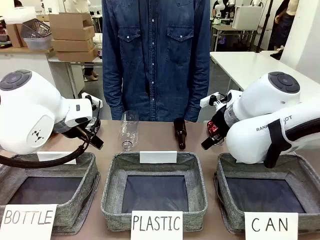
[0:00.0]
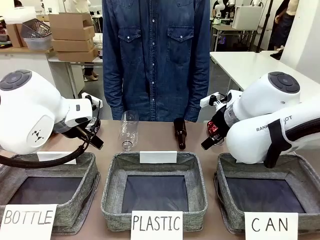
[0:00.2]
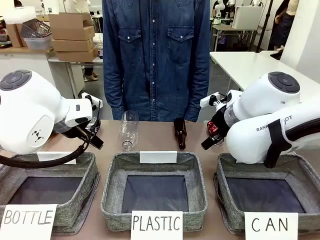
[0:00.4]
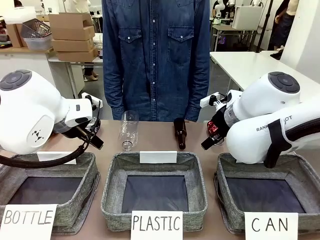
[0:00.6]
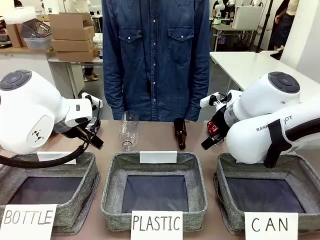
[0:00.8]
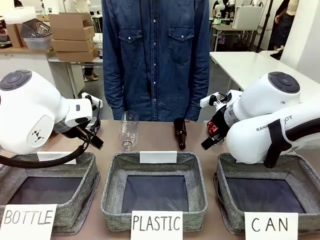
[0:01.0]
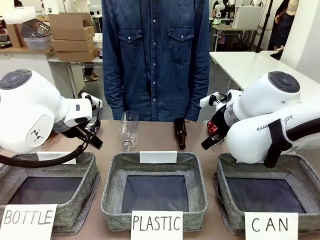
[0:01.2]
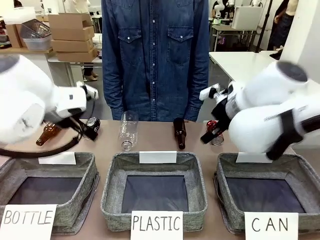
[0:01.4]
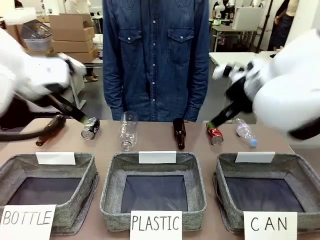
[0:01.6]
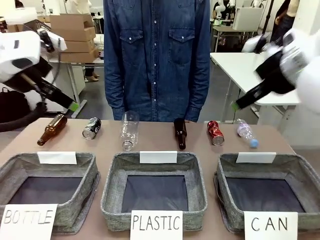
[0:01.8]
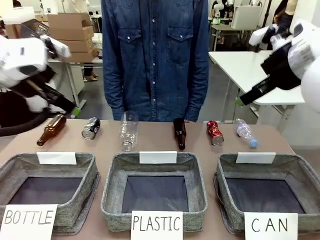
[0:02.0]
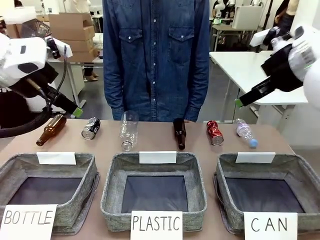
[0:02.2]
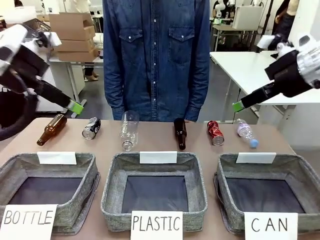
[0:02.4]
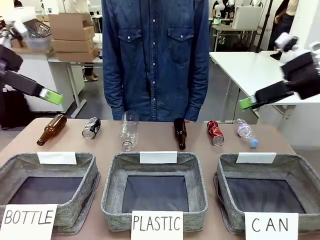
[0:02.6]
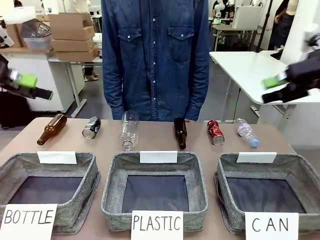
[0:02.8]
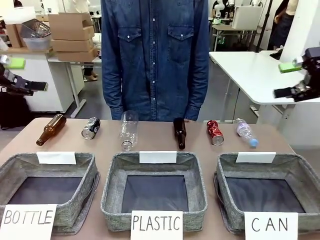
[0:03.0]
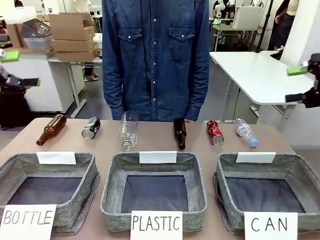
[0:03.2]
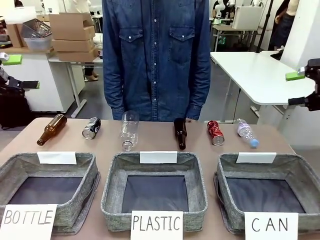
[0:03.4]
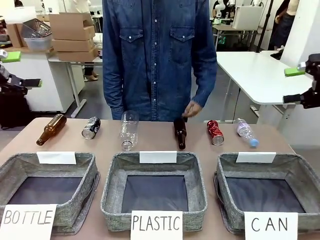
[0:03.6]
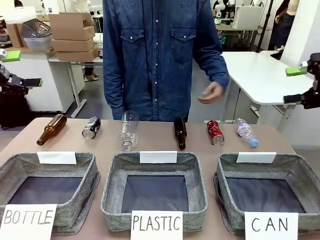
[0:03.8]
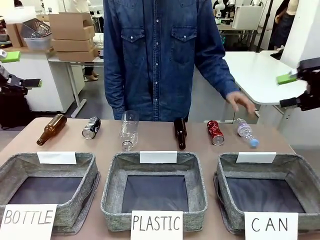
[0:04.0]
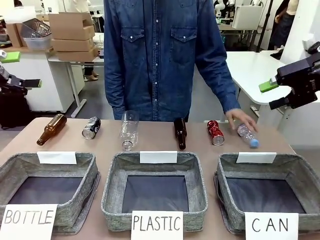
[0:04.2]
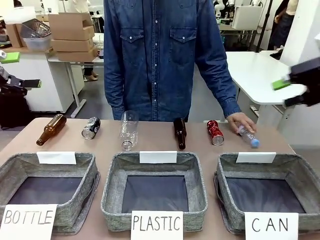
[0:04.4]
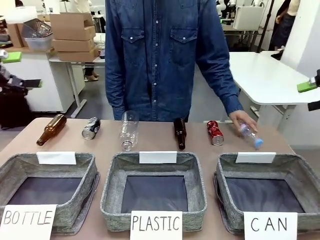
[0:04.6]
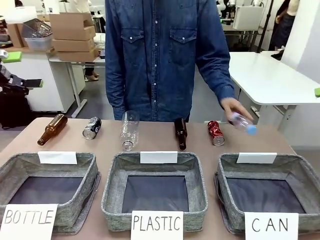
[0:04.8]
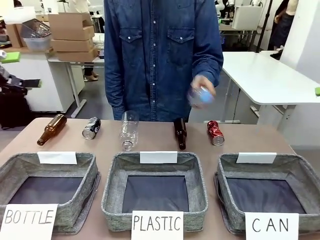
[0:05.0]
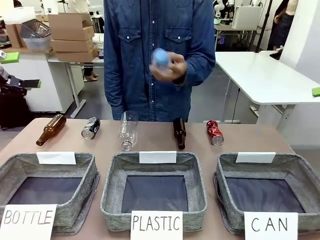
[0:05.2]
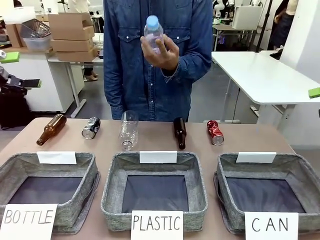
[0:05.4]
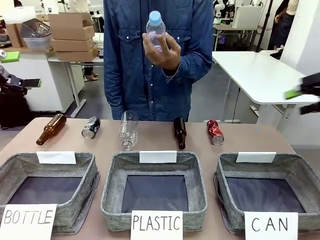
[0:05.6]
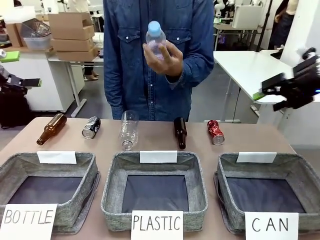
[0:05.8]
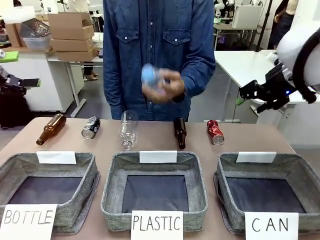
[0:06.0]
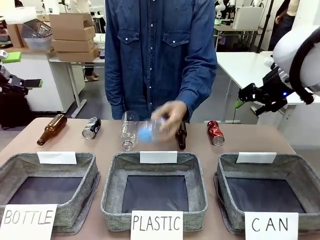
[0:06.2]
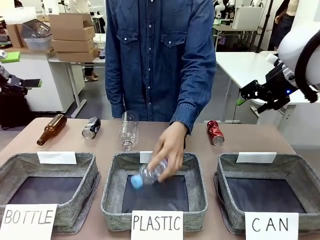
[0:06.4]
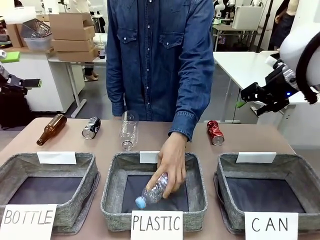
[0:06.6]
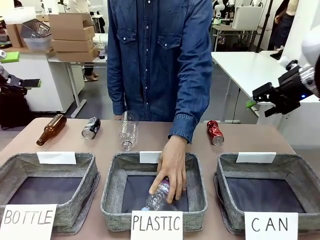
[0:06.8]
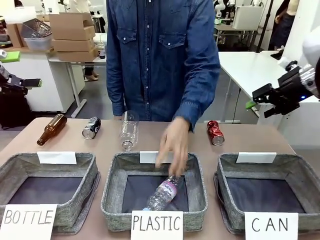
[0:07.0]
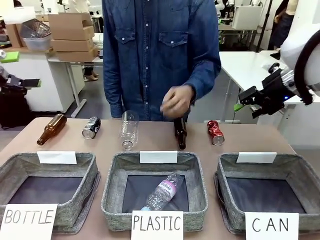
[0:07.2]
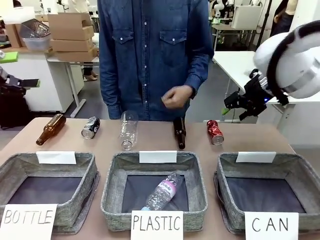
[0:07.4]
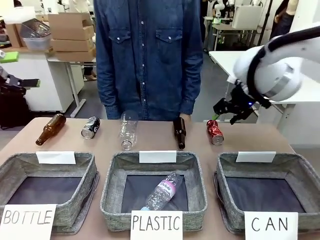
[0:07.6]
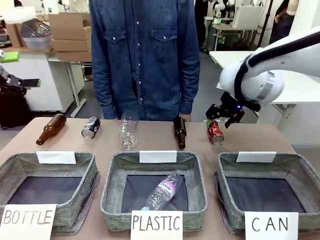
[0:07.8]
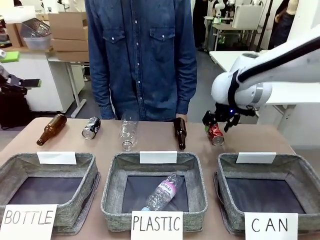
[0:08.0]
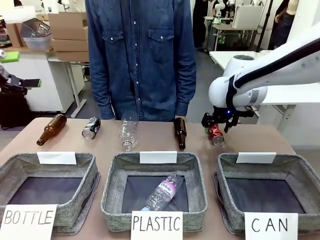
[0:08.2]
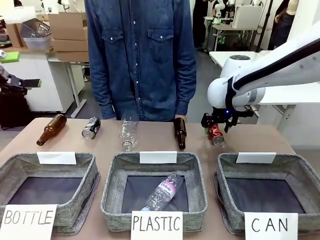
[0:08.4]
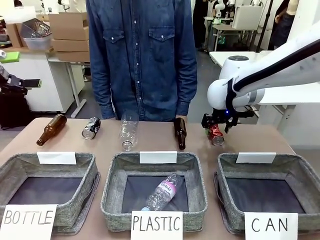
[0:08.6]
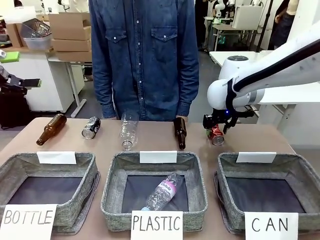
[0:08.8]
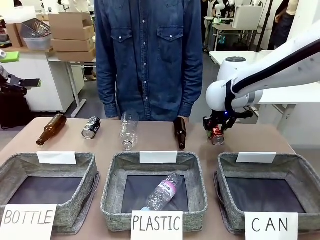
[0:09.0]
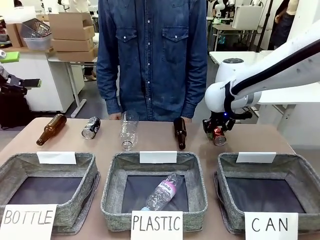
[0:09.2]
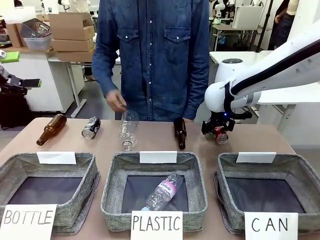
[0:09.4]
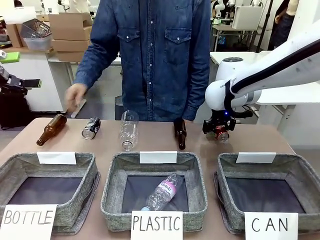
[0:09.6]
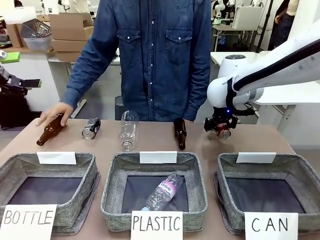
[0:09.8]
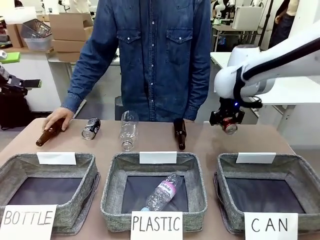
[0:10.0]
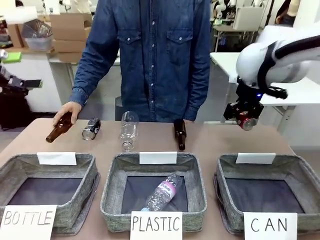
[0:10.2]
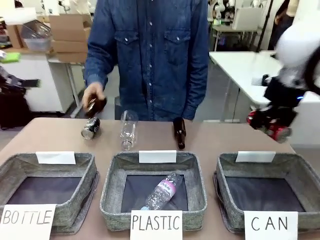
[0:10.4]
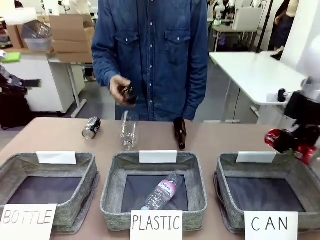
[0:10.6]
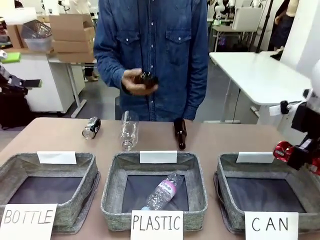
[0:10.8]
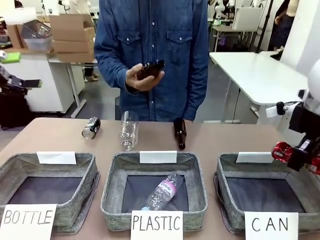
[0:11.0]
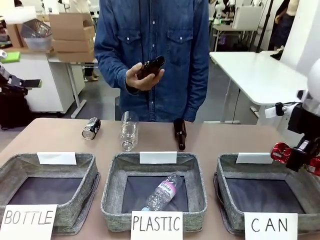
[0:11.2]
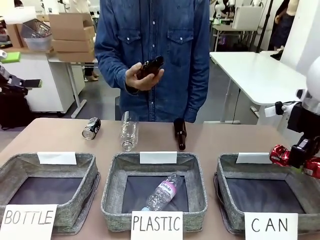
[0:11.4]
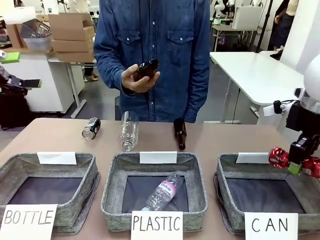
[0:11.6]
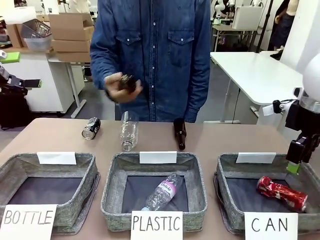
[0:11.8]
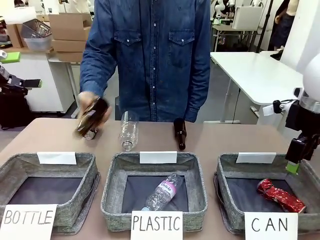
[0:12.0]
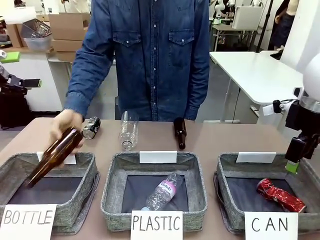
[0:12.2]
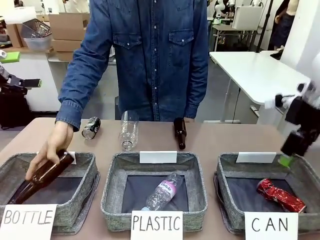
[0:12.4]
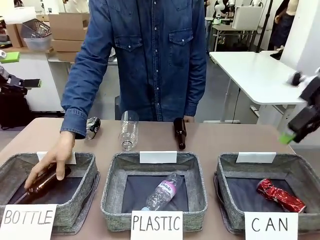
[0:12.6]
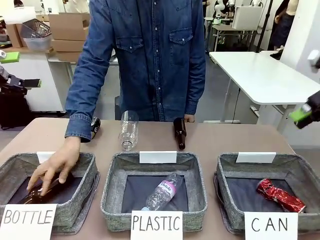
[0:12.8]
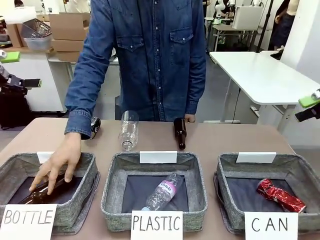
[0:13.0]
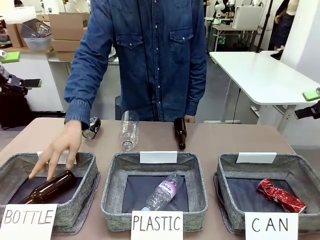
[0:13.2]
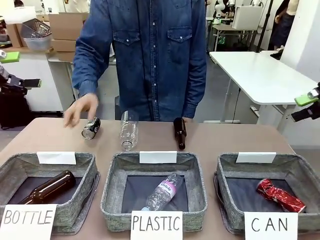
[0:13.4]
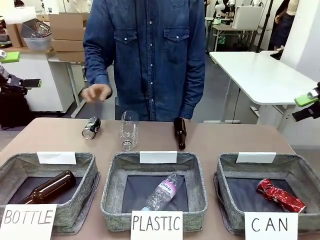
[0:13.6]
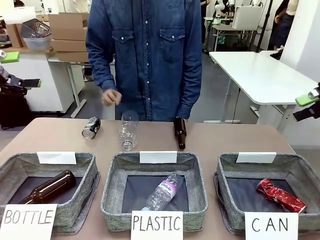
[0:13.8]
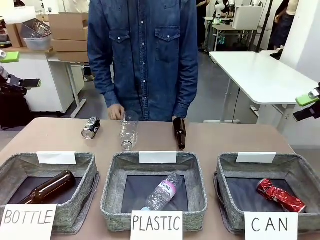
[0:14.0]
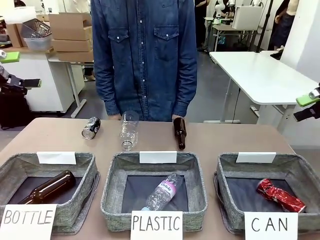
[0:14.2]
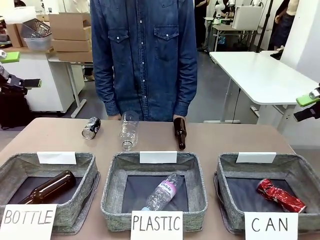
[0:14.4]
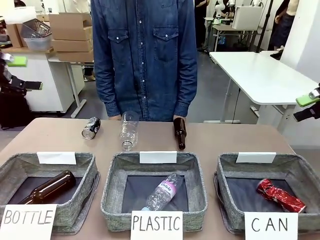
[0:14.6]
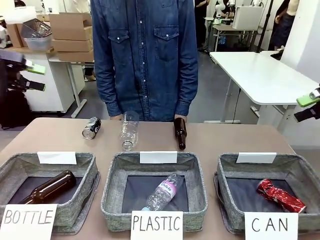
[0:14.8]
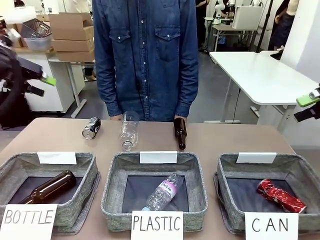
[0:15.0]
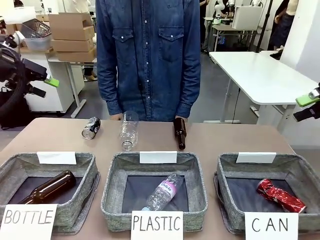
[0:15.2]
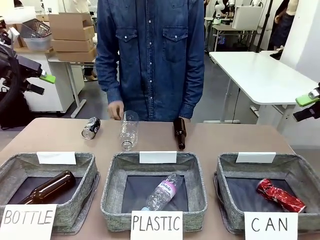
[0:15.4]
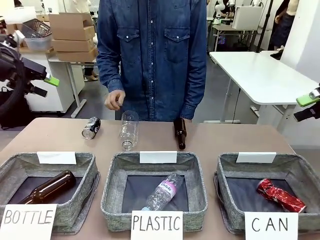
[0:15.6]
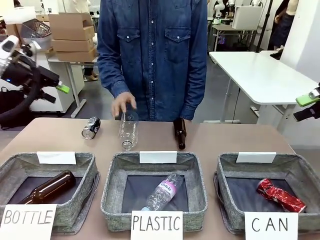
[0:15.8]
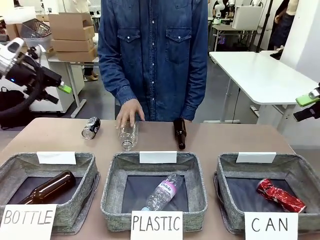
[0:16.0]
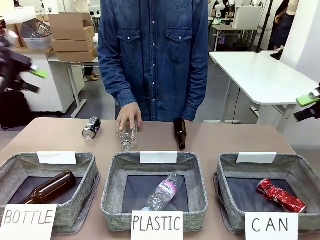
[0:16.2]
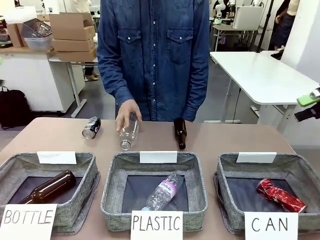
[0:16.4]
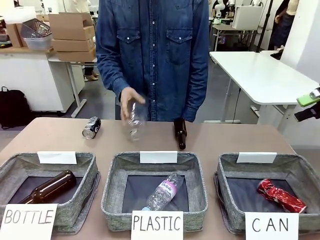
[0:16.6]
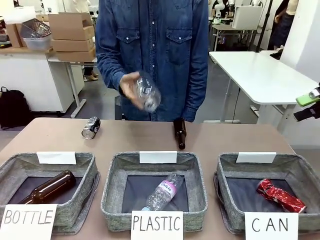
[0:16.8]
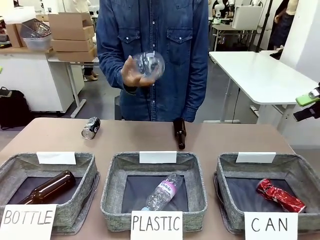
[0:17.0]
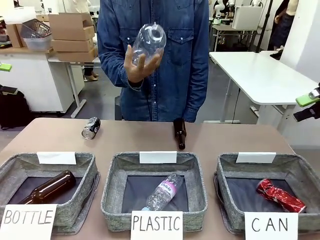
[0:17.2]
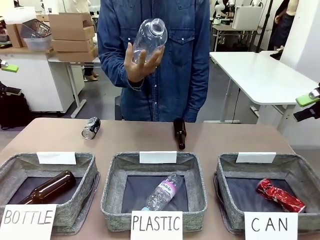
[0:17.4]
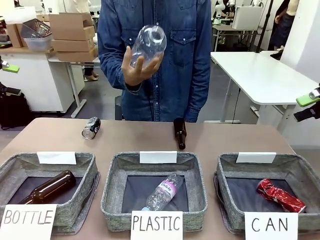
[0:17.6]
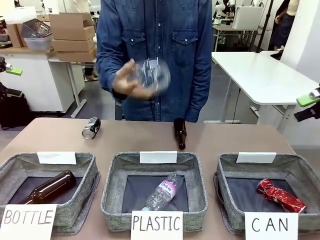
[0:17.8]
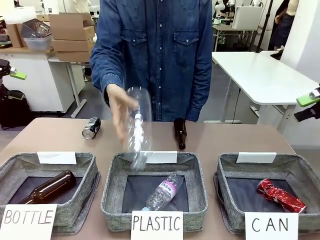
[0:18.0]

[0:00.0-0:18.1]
Task: Sort the can waste into the basket.
Robot: Pick up the can waste from the table and place it in the right Fabric basket.
